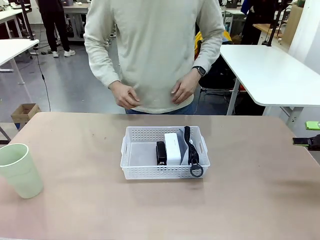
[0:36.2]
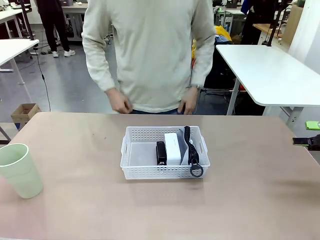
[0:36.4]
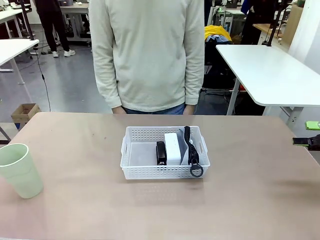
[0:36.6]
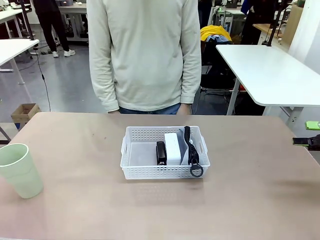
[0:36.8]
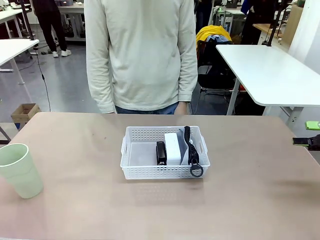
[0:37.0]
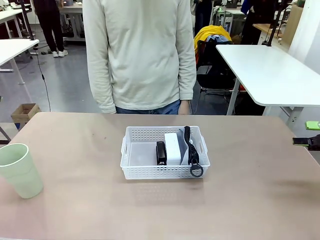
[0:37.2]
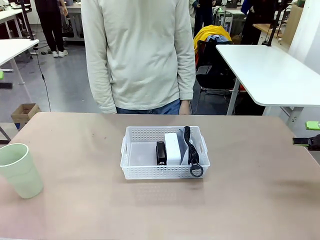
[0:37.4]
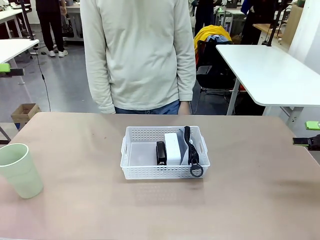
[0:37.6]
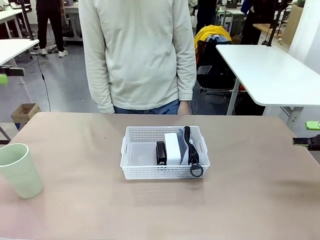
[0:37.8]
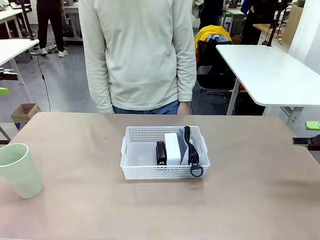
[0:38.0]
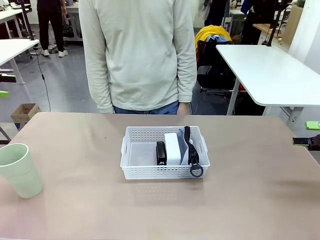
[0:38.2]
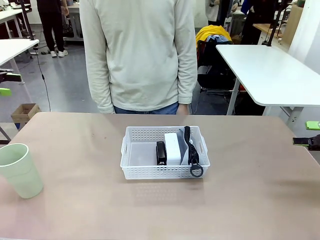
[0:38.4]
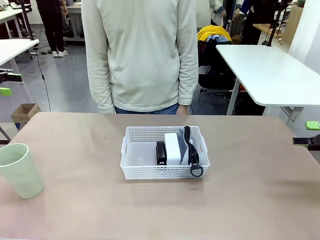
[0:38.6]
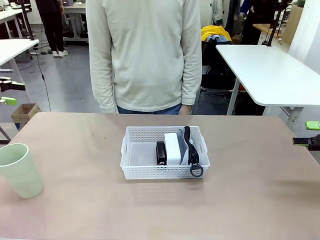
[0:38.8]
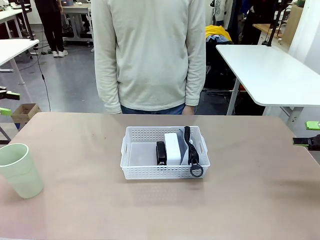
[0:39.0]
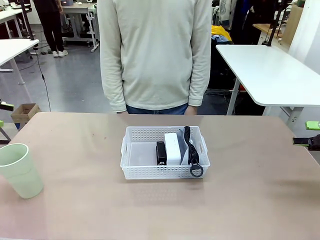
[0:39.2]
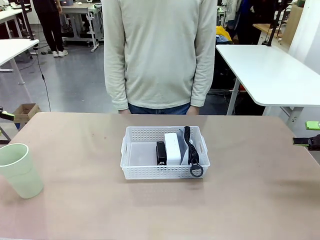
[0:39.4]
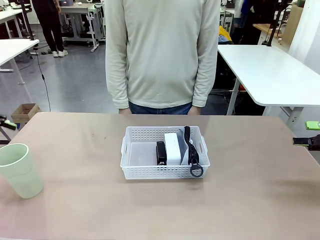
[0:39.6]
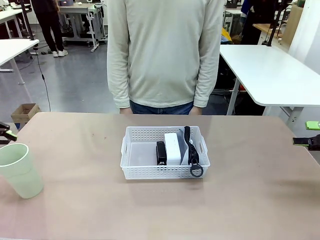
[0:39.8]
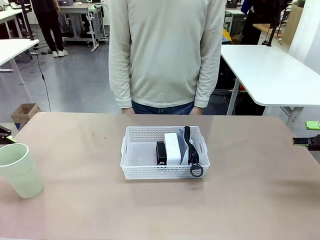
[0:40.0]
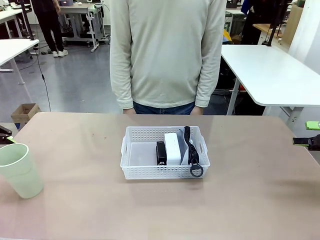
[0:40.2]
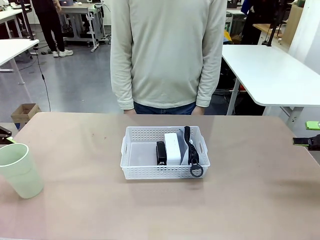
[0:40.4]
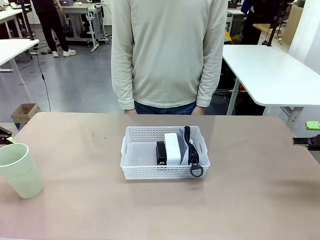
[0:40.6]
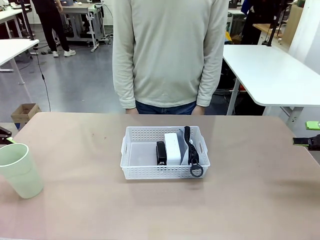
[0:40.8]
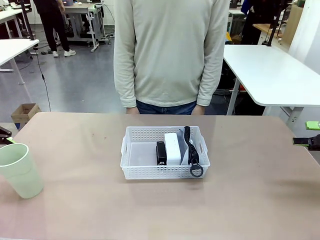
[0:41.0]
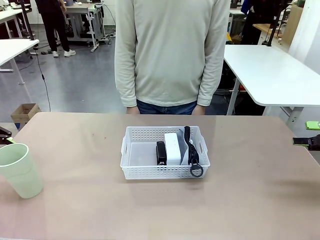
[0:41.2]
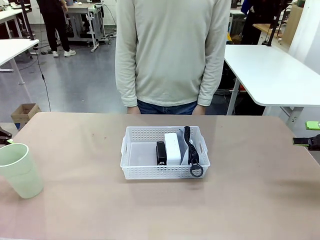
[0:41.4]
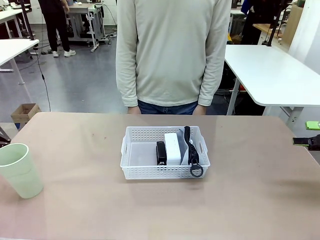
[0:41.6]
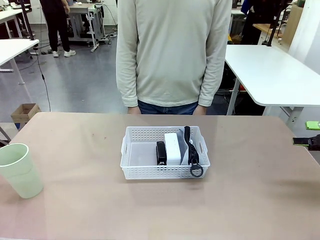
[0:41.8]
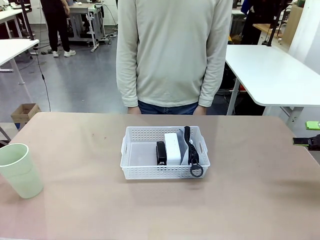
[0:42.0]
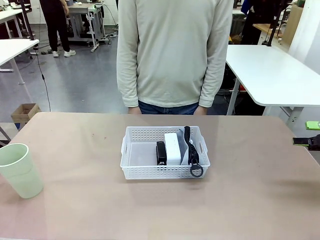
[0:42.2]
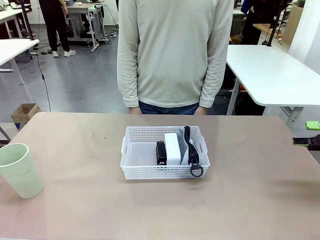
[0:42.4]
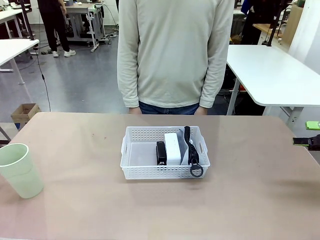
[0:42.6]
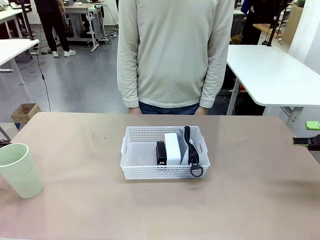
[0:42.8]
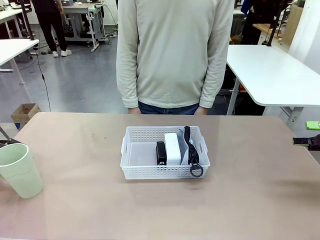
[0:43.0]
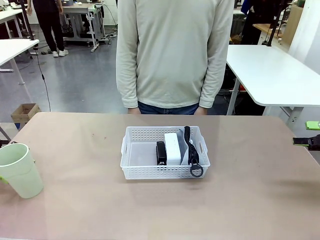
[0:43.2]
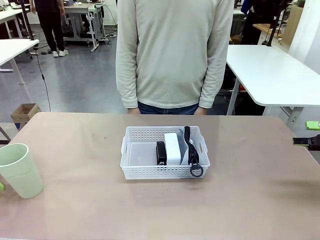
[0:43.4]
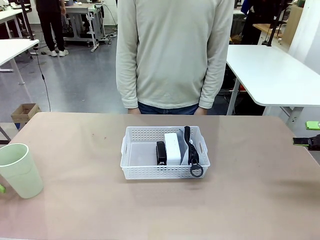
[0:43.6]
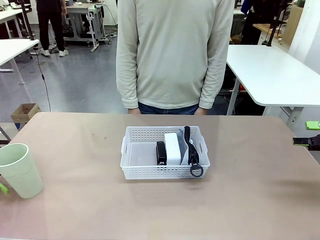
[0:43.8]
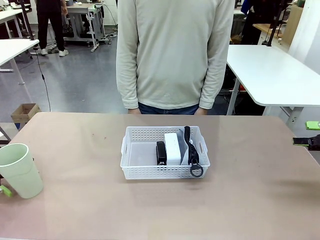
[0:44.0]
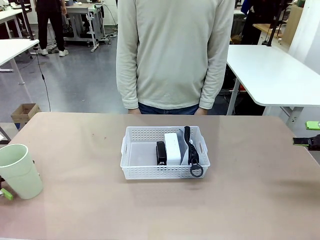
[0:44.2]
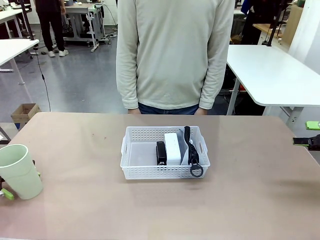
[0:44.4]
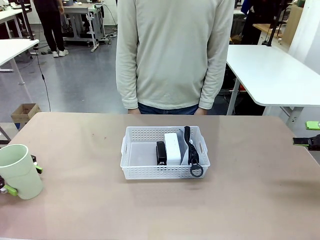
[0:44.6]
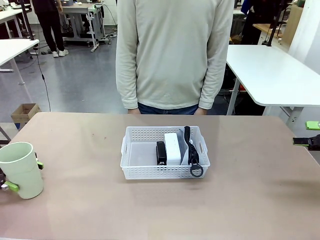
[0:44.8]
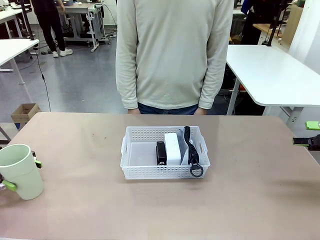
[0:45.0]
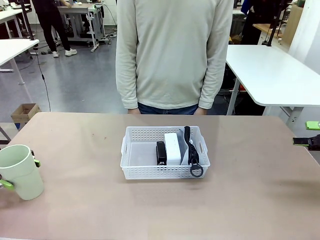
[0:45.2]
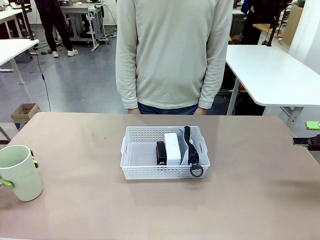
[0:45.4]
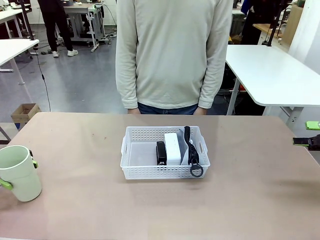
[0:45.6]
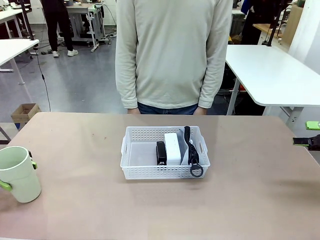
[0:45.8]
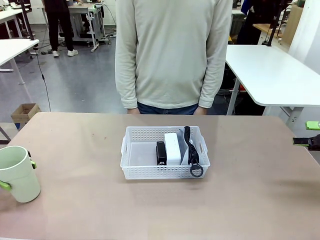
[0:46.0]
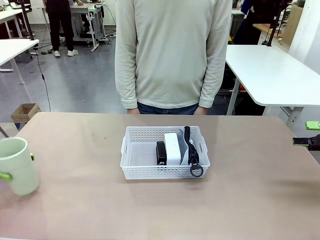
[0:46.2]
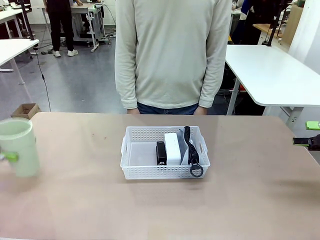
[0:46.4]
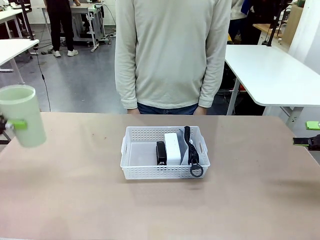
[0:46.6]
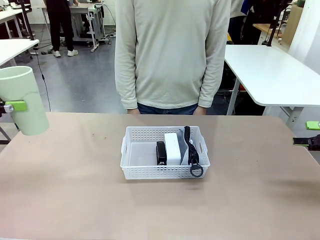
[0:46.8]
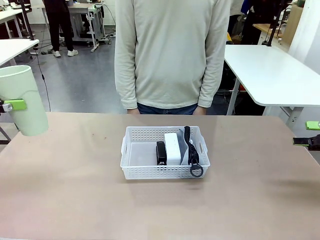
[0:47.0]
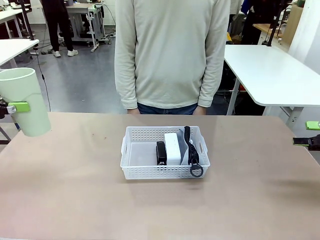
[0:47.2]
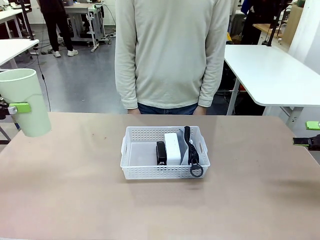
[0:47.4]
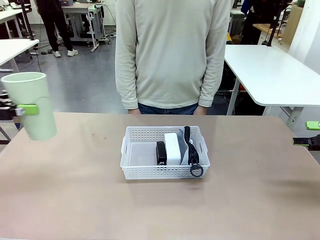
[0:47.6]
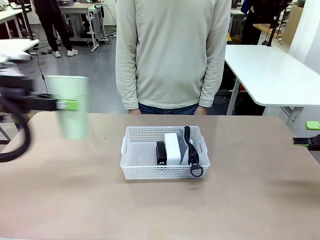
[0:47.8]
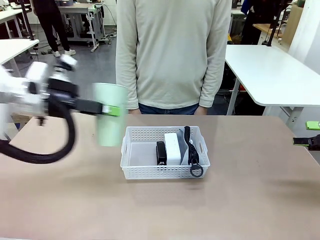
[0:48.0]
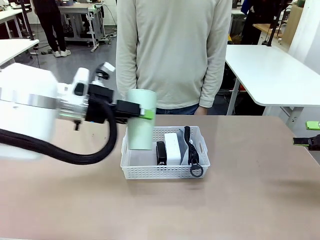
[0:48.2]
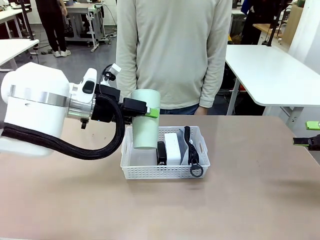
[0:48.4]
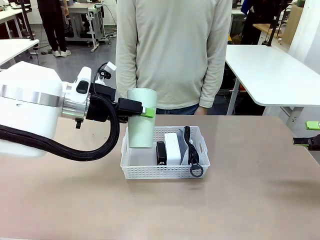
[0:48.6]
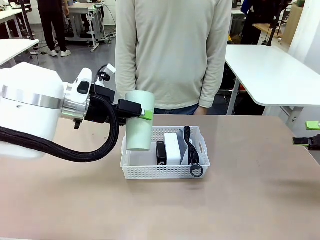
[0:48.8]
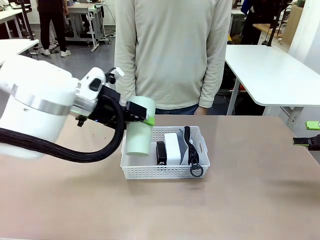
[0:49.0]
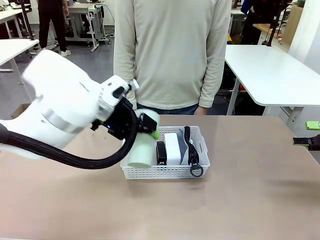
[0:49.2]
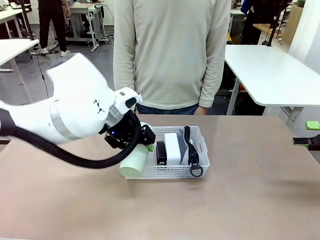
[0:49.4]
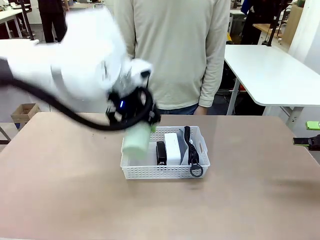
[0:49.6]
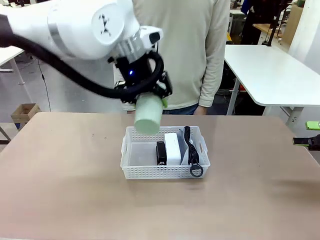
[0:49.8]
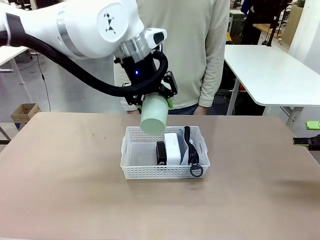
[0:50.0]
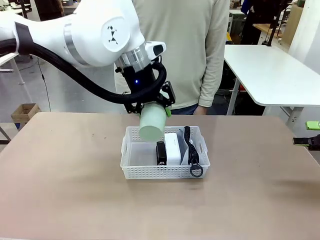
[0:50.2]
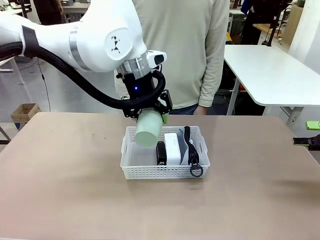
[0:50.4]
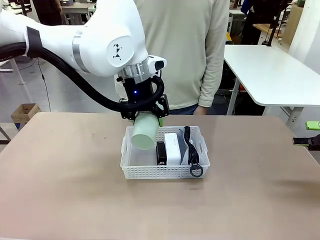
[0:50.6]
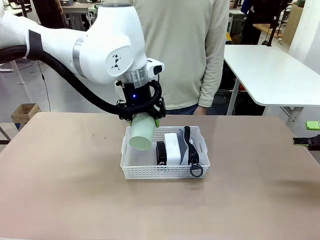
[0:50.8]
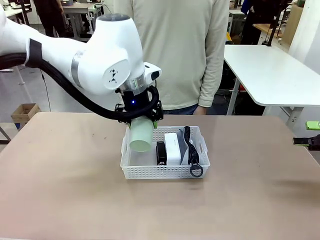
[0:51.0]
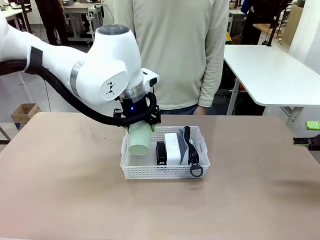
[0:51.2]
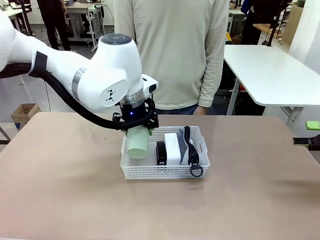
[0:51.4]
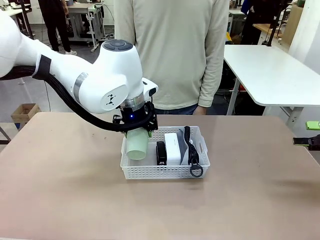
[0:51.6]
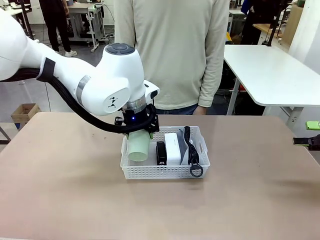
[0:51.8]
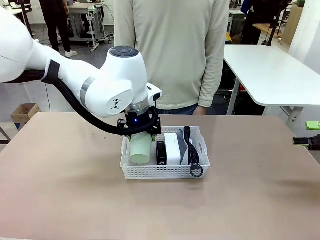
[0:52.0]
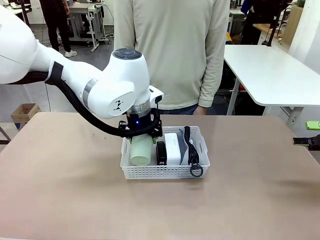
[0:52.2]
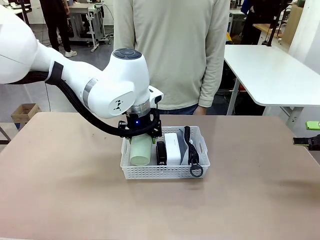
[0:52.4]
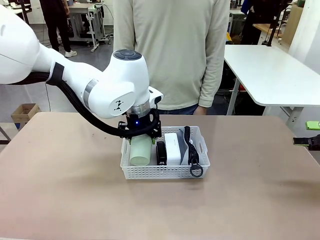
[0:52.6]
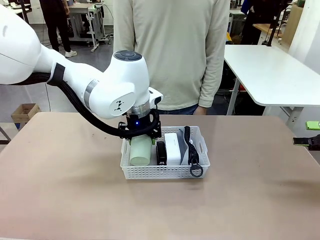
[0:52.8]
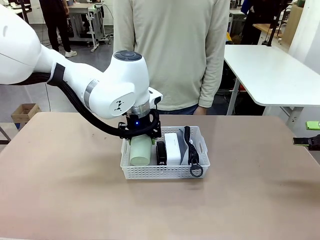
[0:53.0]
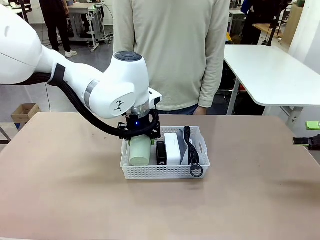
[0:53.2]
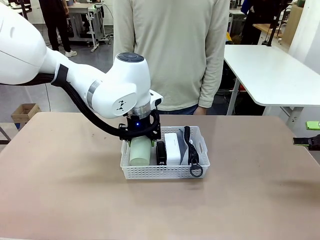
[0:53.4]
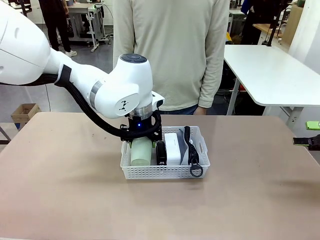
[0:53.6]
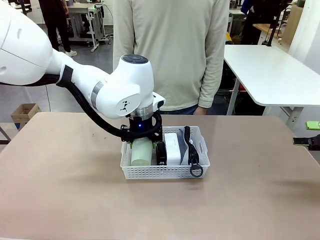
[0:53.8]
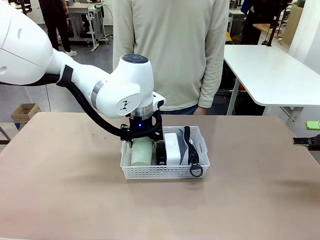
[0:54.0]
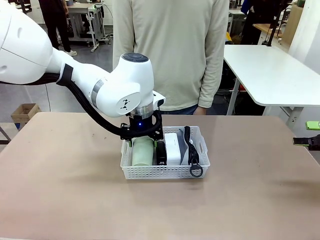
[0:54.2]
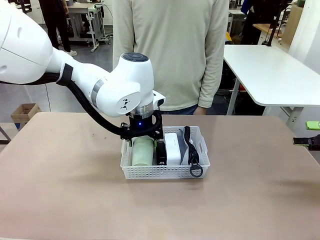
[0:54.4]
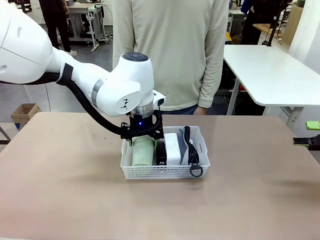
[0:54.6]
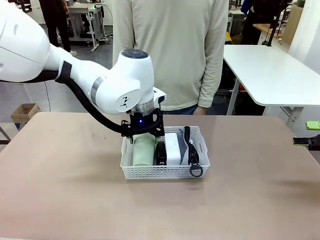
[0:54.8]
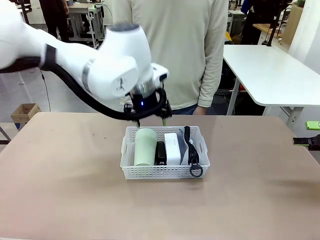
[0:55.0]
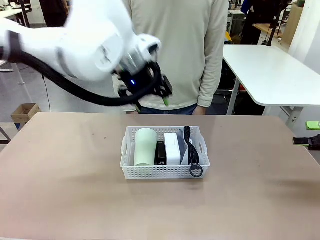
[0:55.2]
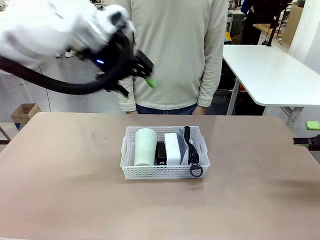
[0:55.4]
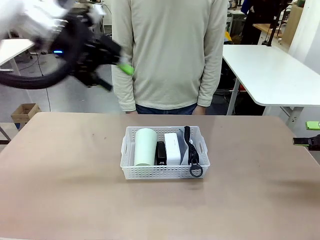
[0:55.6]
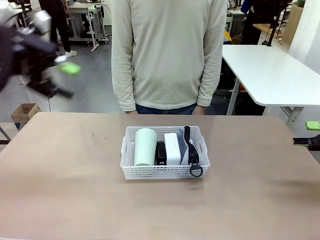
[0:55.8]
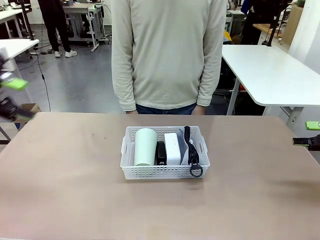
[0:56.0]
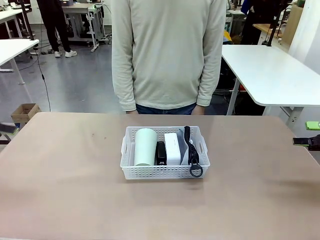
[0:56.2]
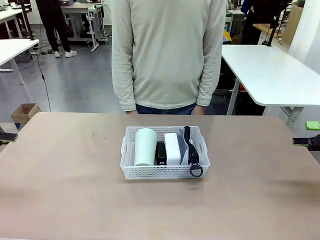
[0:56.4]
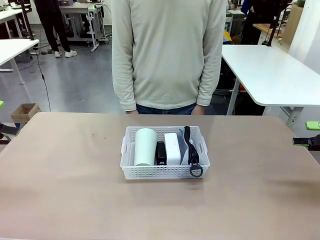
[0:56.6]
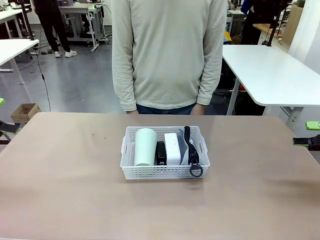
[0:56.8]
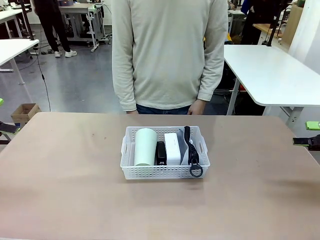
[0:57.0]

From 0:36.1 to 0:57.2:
Task: Efficiently arrange items inside the basket to fit them all.
Robot: Pick up the Reusable plastic cup and place it inside the Organizing basket.
Person: Repositions the stapler.
